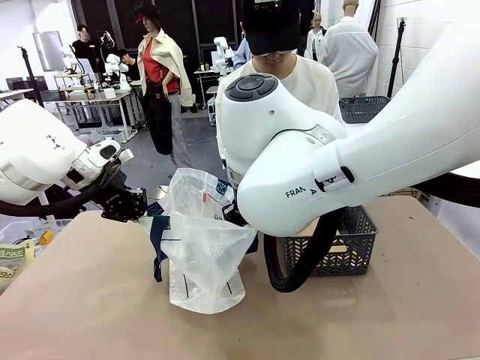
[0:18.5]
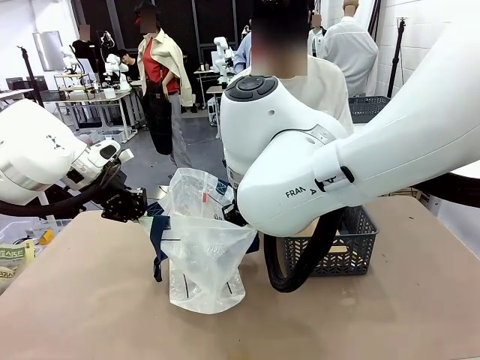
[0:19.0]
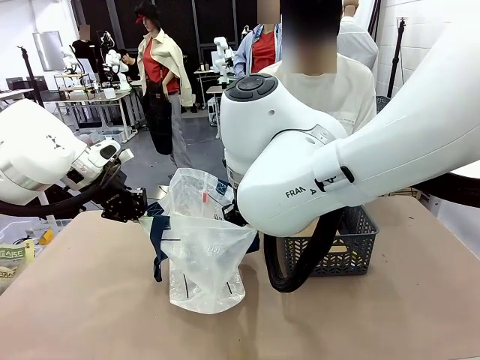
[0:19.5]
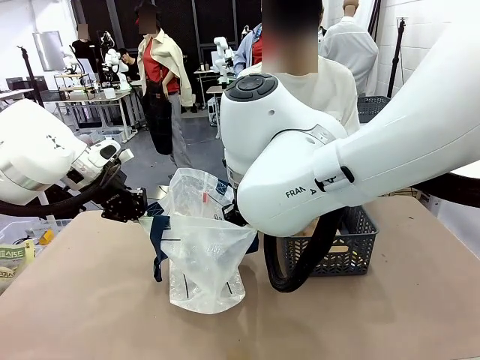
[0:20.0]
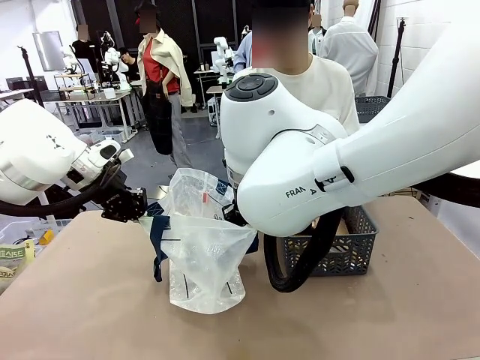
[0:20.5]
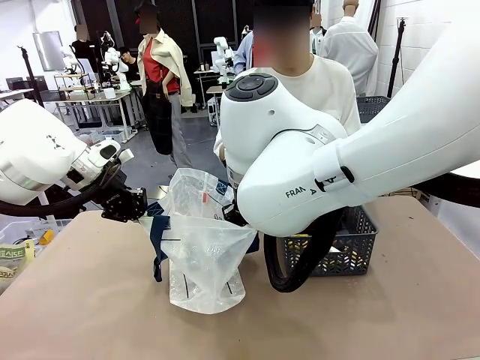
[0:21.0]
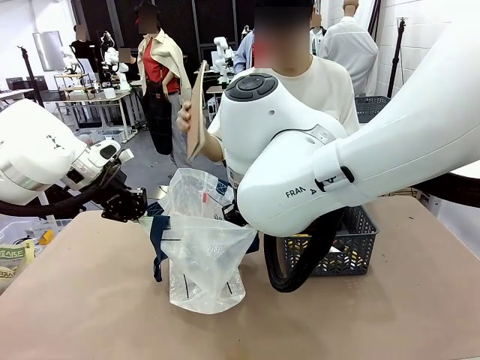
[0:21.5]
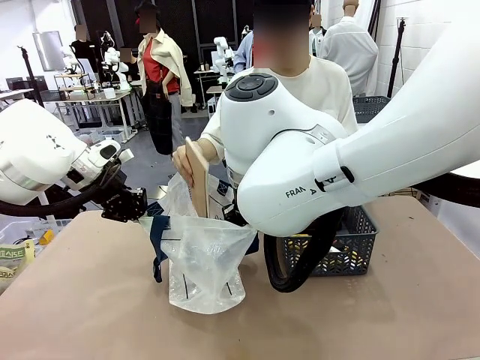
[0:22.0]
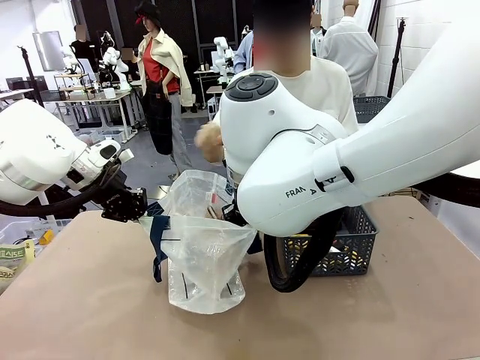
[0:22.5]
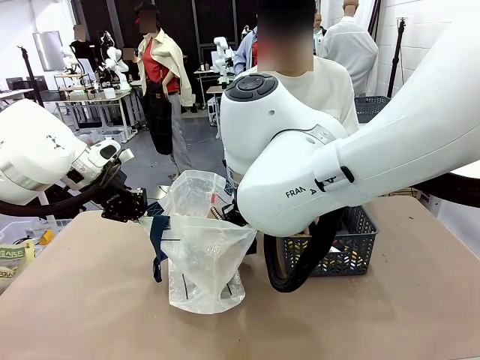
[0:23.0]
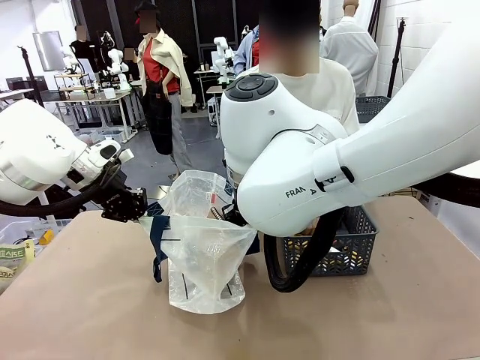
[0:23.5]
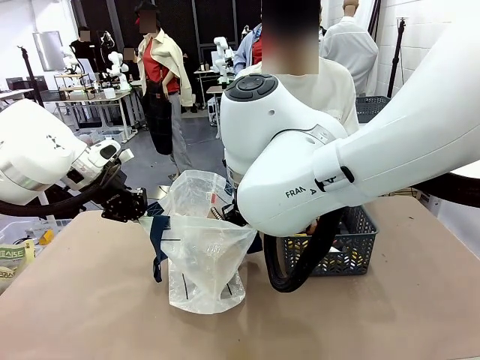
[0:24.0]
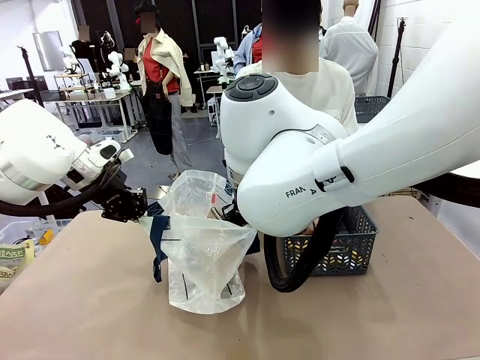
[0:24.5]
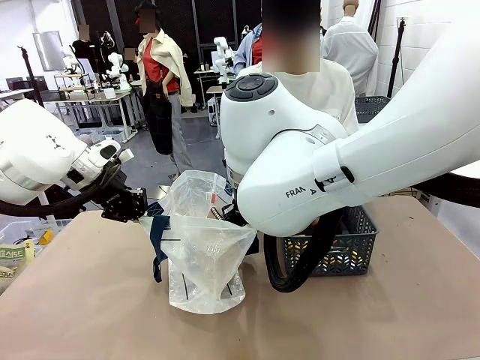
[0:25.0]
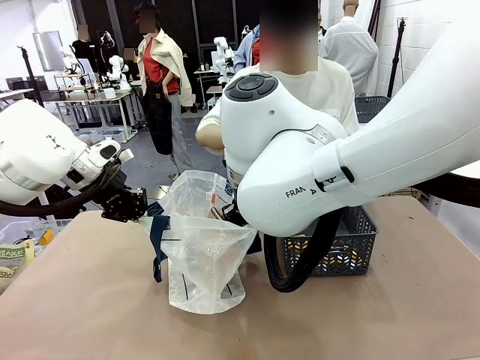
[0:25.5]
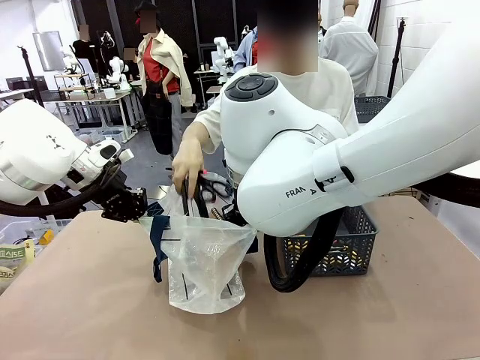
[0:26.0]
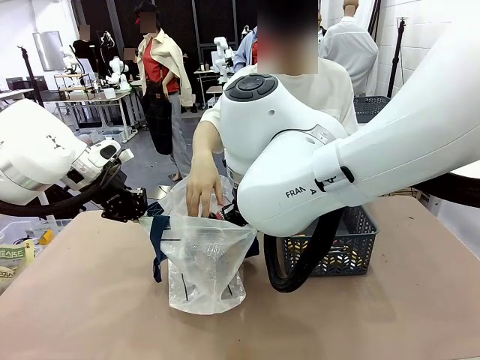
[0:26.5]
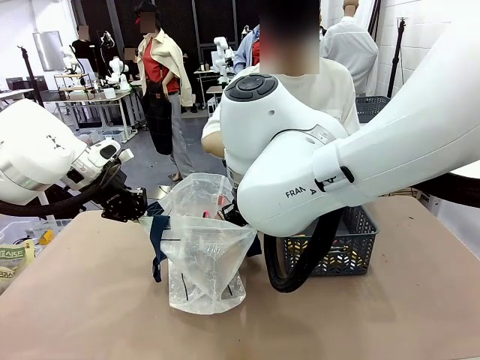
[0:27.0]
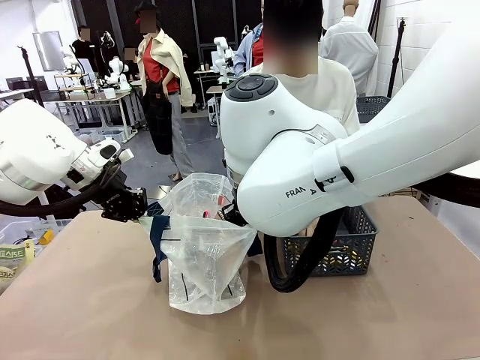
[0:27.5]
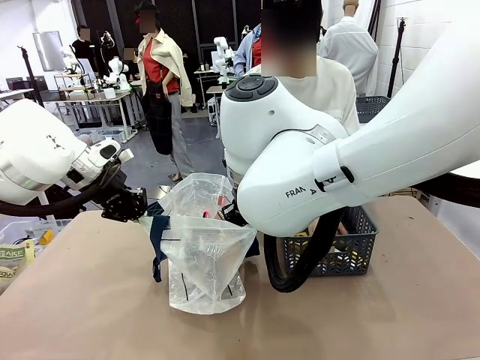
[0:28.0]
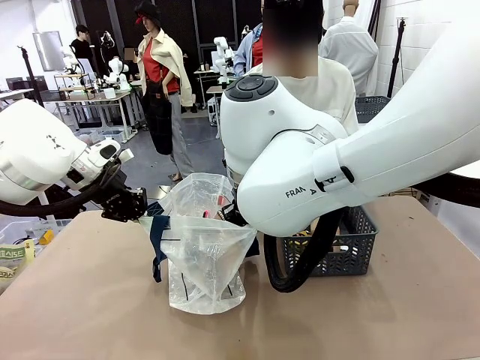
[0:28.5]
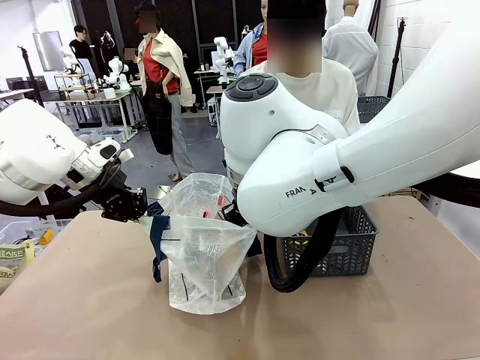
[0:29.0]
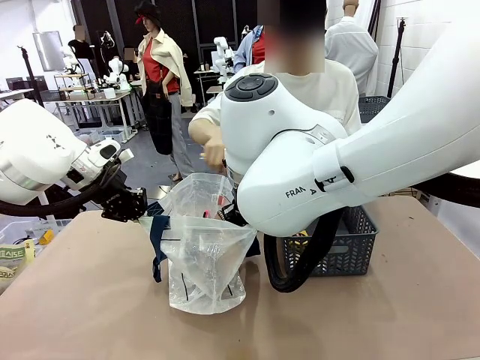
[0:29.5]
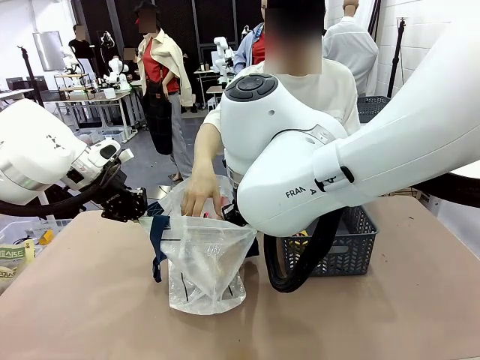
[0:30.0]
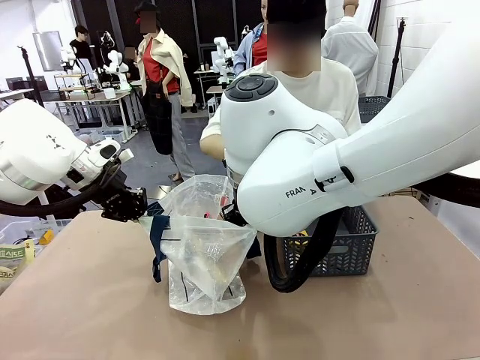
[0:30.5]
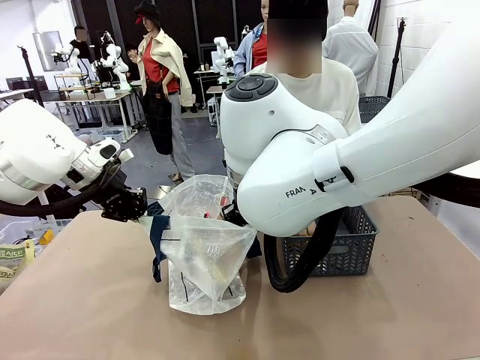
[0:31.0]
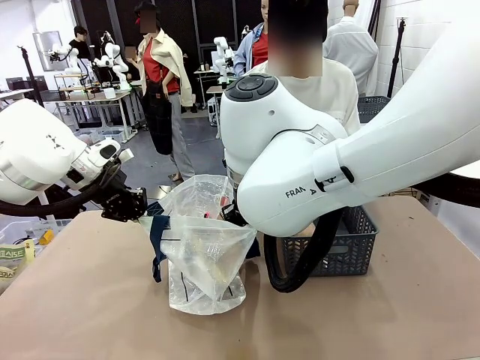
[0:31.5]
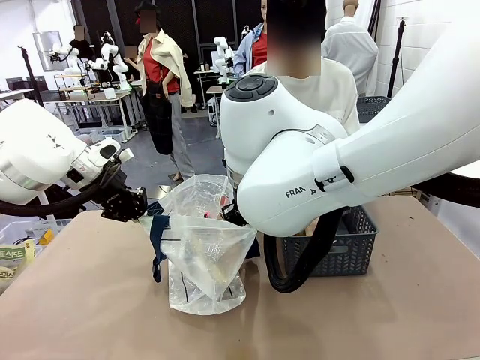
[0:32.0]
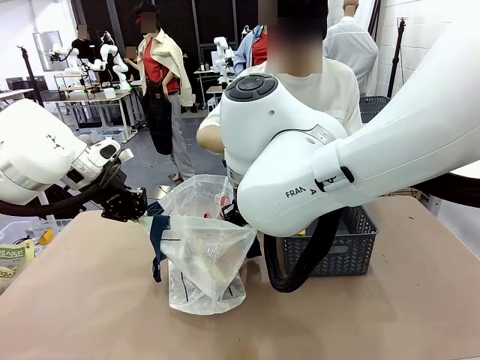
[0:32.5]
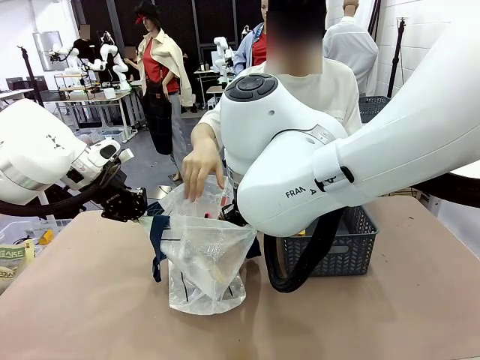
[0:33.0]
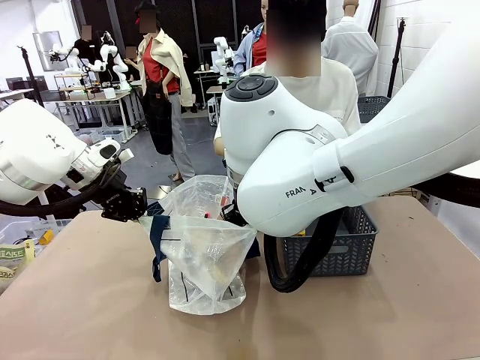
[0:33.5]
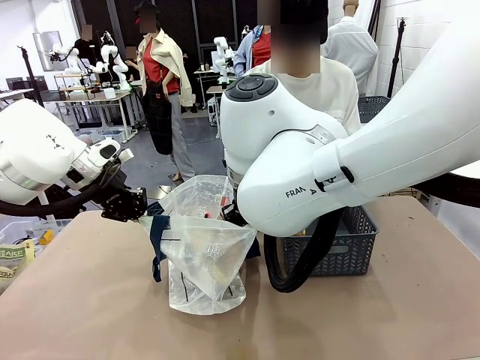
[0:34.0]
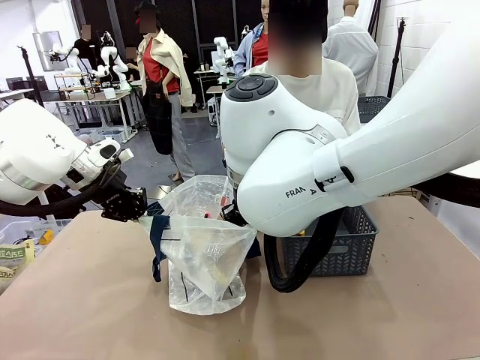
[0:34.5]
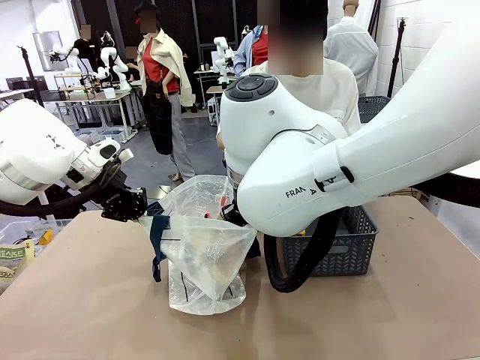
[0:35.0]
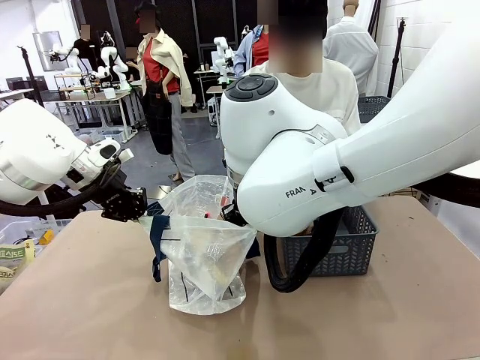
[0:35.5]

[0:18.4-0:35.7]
Task: Transfer purchased items from the store into the shopping bag.
Robot: Move the Reusable shopping bag to the right side of the table.
Person: Pick up the basket with the items out and place it on the right side of the human table.
